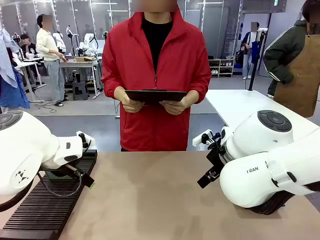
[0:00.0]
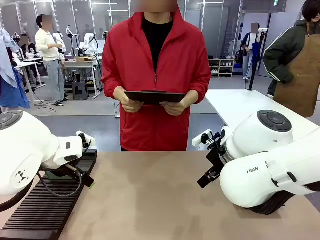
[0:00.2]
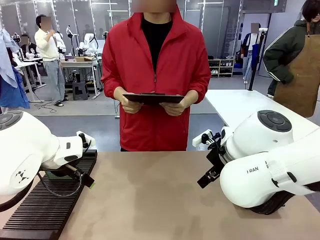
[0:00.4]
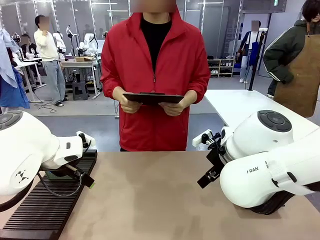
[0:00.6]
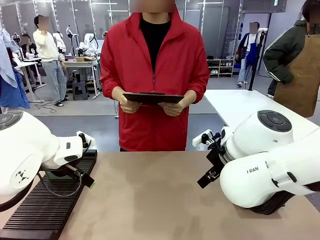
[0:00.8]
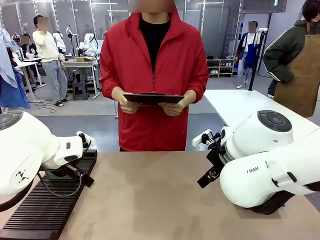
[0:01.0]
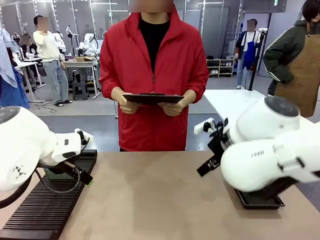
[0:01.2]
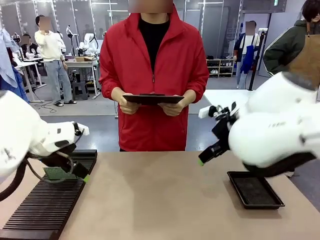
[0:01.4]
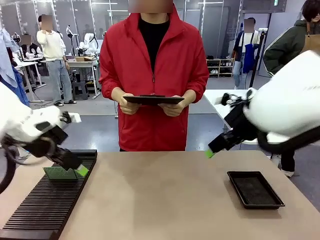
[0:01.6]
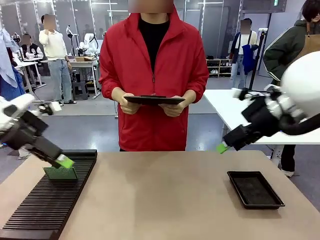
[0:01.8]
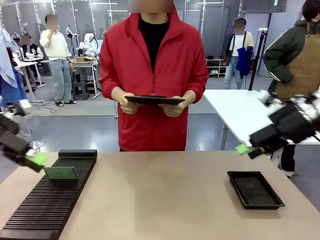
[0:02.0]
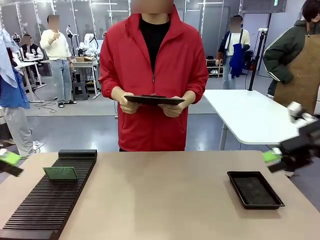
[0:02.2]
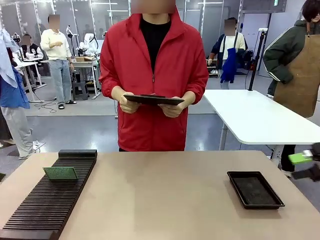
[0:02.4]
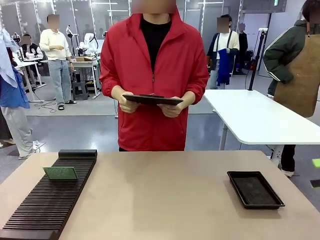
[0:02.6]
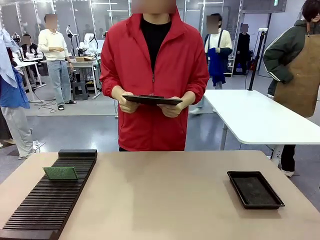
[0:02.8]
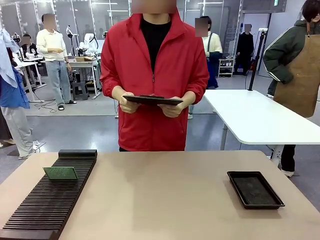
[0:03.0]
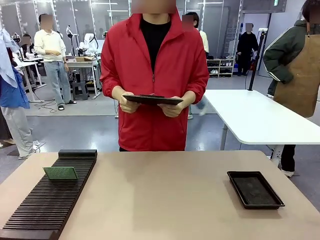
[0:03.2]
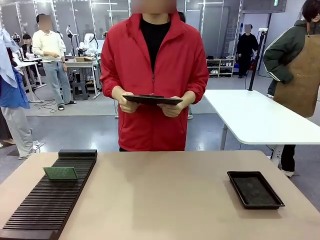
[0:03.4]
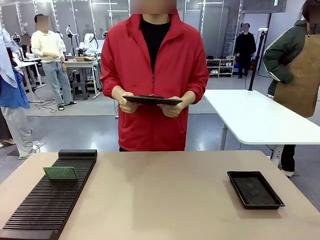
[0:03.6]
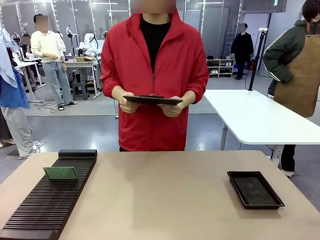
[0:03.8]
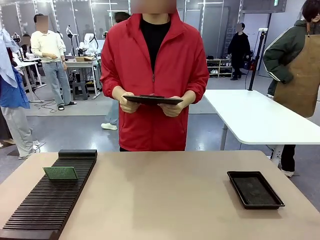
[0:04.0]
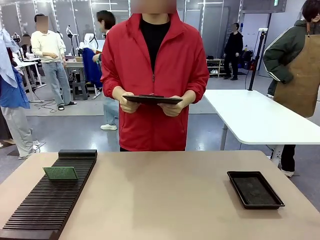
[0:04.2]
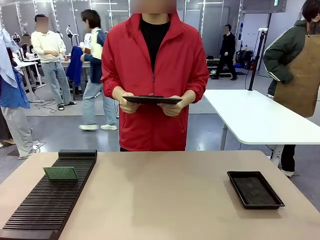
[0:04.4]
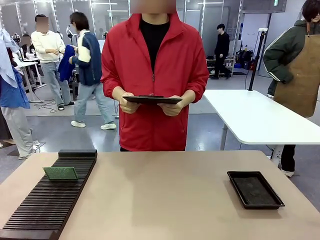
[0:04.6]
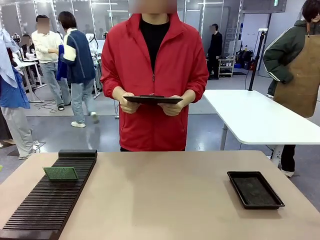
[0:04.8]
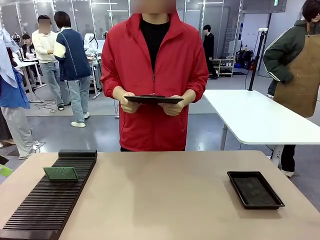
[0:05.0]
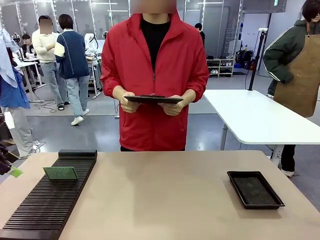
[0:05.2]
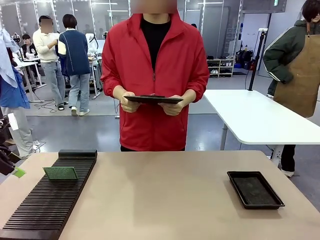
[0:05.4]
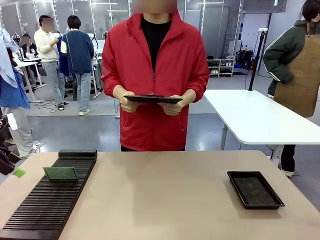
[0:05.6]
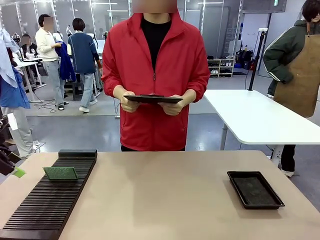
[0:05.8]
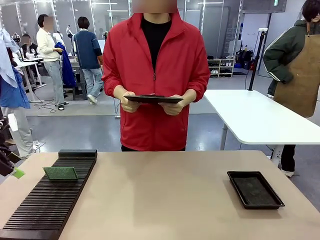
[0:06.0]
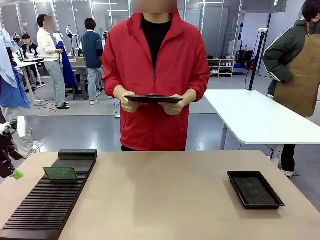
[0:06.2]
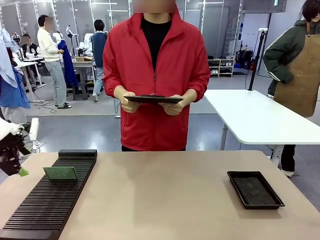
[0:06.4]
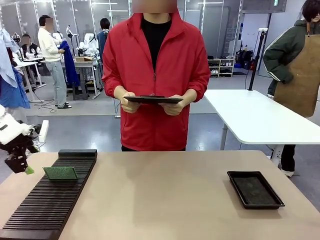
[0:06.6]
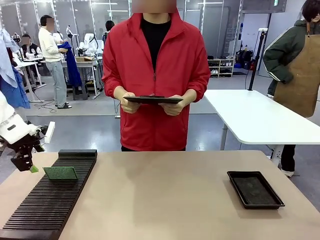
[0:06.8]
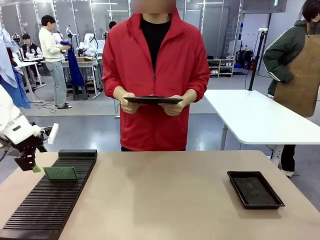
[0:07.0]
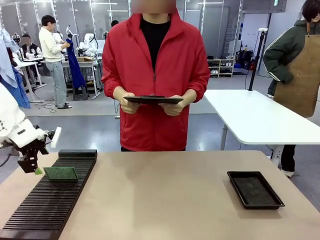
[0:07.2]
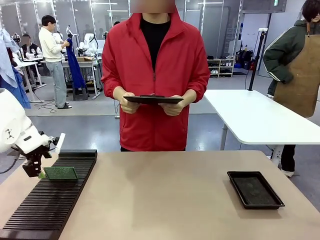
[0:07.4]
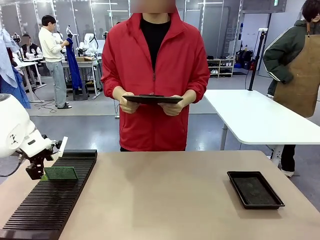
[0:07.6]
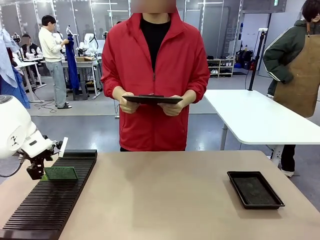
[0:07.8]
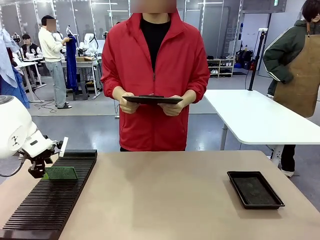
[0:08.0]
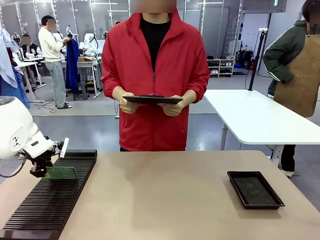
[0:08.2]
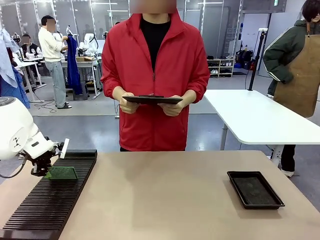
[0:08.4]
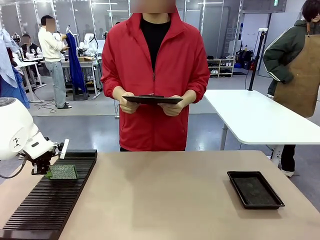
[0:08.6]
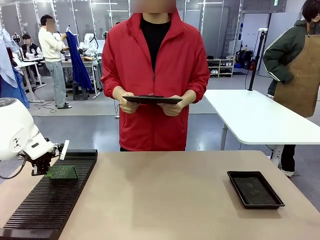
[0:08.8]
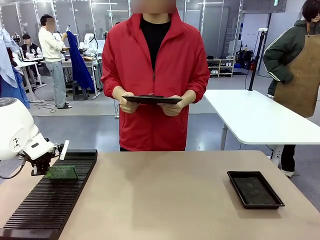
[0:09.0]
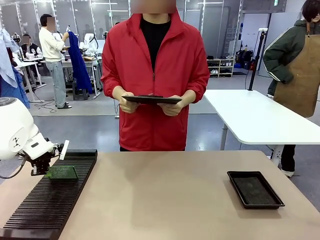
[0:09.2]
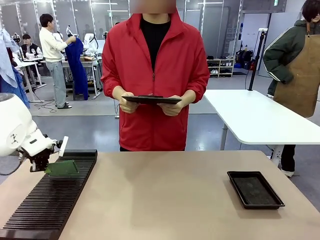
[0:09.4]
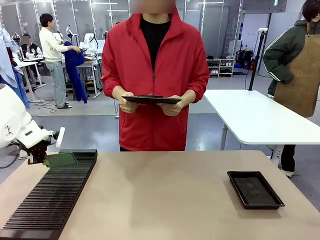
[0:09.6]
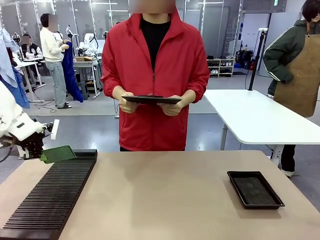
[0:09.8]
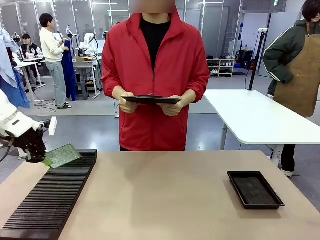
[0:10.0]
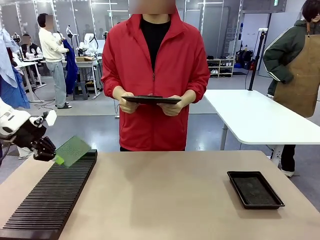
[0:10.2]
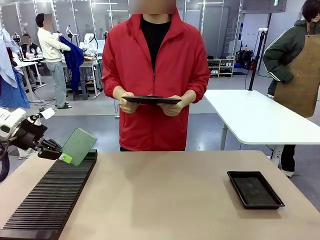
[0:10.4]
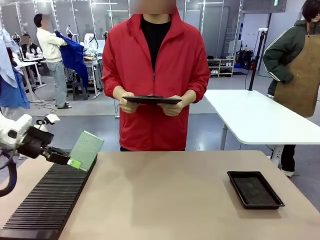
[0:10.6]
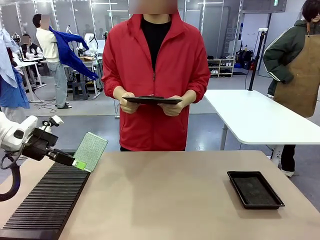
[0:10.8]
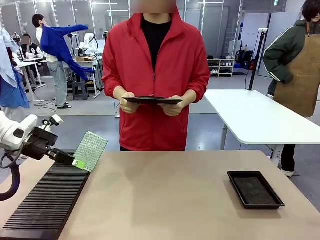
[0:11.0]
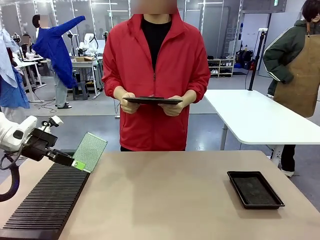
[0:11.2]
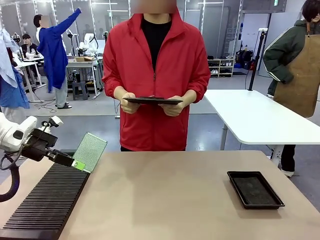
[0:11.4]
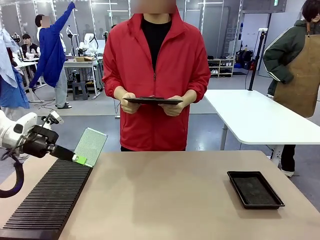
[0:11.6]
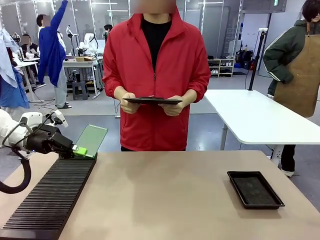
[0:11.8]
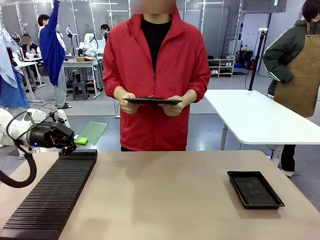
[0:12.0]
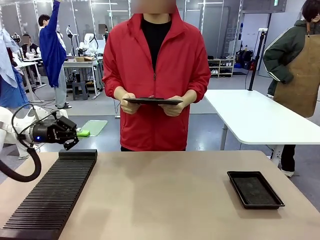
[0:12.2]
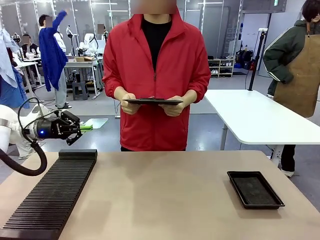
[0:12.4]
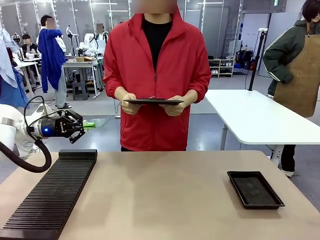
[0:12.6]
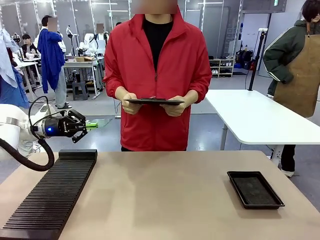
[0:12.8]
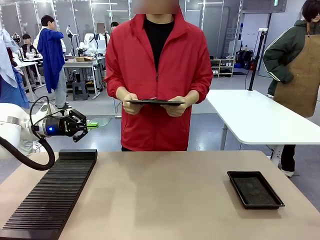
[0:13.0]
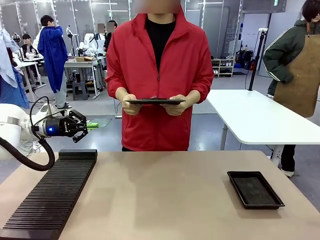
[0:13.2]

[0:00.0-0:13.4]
Task: Inspect the PCB.
Robot: Pick up the Blank PCB and present it to the human.
Person: Pick up the PCB presented by the robot.

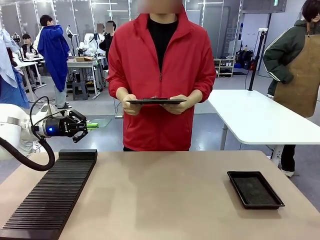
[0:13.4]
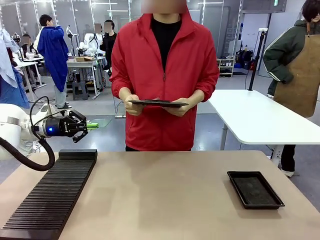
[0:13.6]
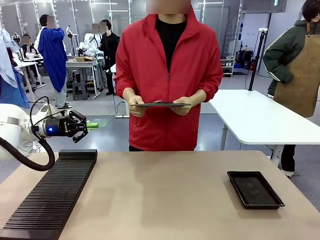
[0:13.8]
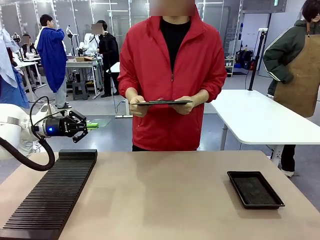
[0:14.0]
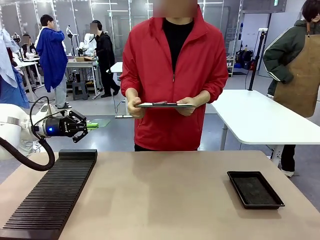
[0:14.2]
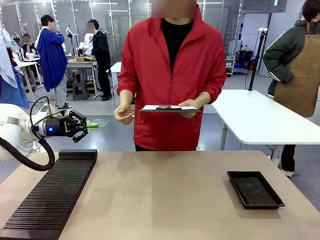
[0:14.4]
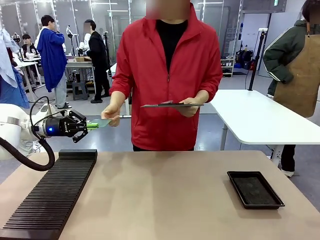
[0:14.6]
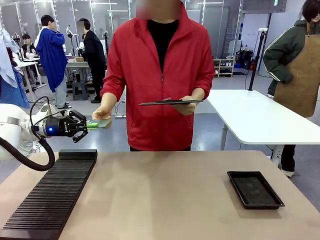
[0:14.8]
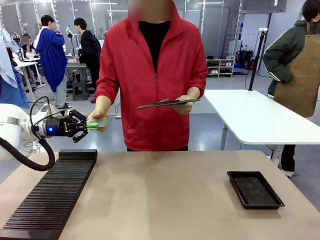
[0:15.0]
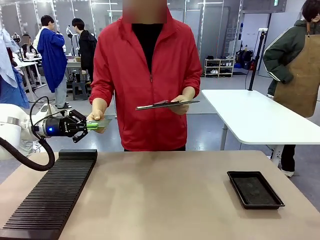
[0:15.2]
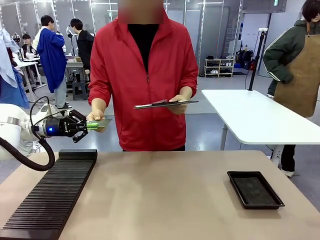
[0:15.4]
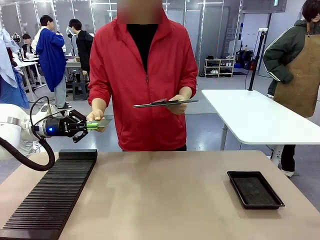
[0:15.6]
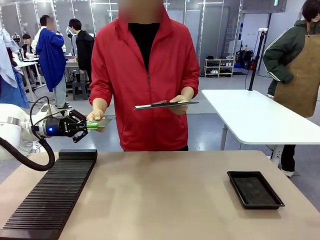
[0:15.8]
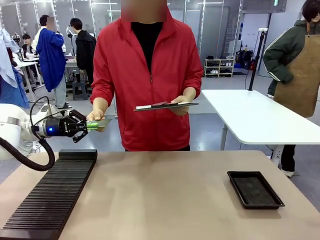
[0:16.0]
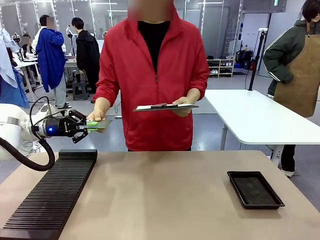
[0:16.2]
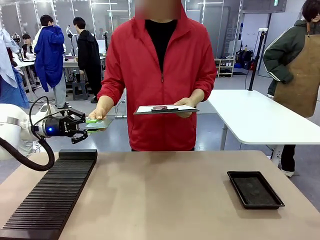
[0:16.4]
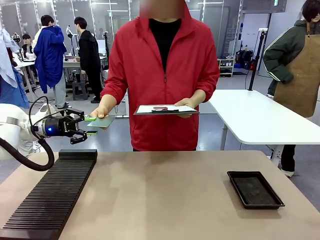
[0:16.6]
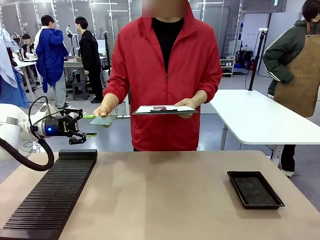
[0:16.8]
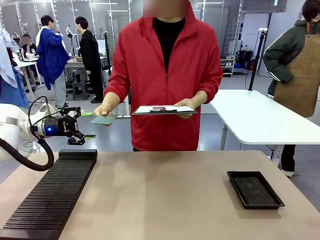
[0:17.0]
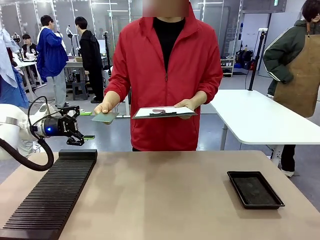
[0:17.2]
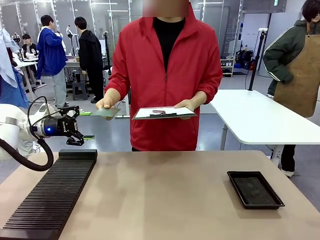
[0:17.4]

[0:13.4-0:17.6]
Robot: Release the Blank PCB you were holding.
